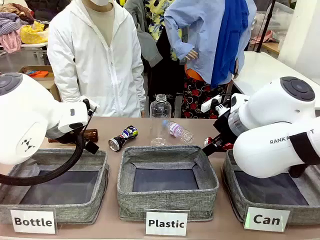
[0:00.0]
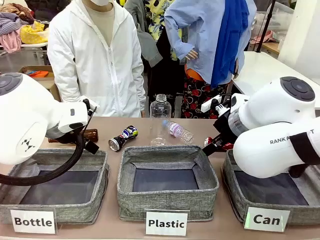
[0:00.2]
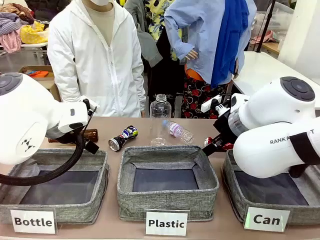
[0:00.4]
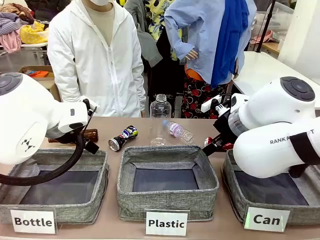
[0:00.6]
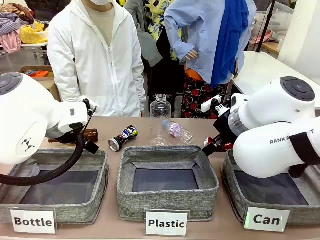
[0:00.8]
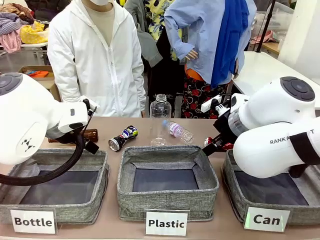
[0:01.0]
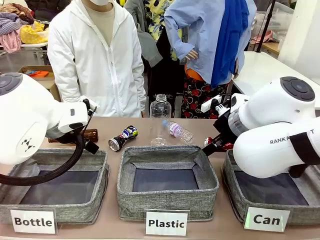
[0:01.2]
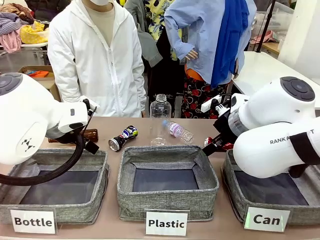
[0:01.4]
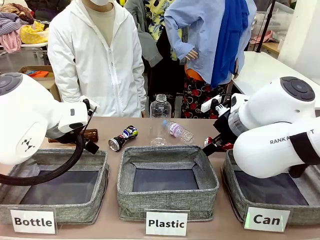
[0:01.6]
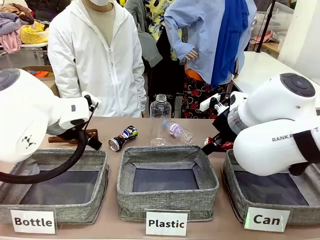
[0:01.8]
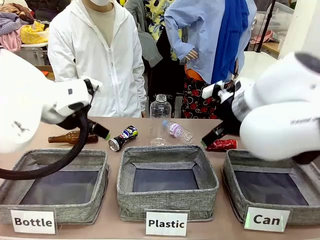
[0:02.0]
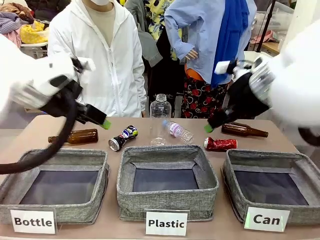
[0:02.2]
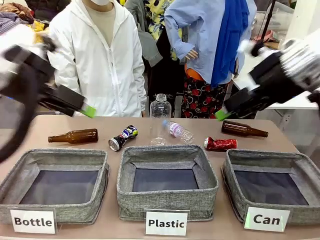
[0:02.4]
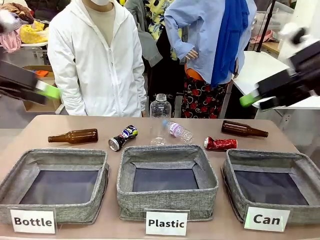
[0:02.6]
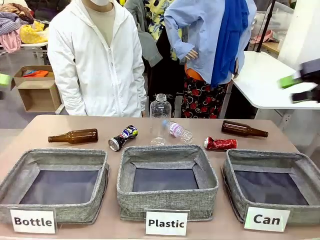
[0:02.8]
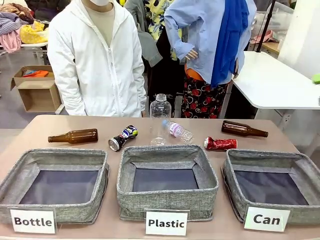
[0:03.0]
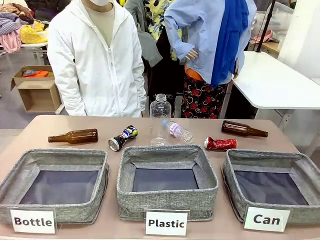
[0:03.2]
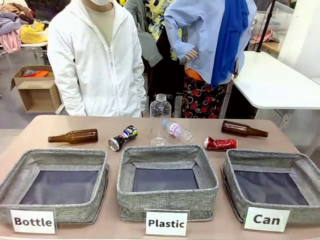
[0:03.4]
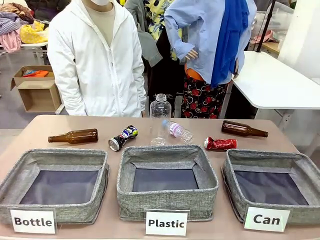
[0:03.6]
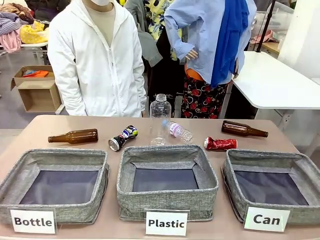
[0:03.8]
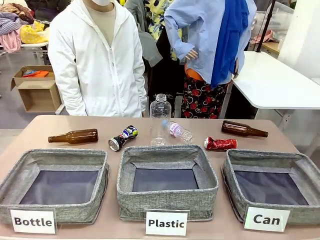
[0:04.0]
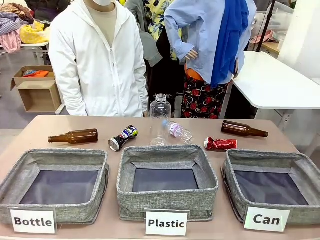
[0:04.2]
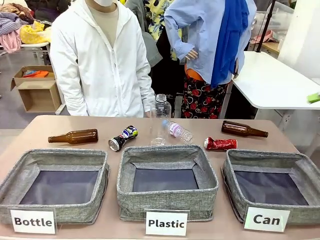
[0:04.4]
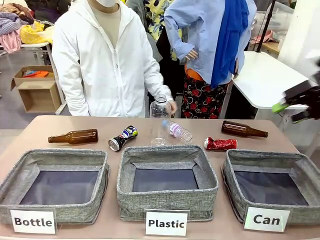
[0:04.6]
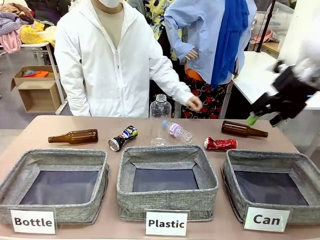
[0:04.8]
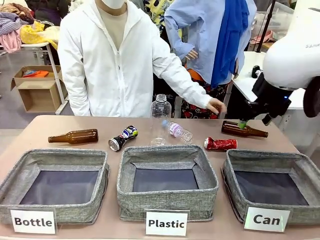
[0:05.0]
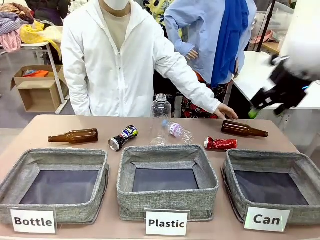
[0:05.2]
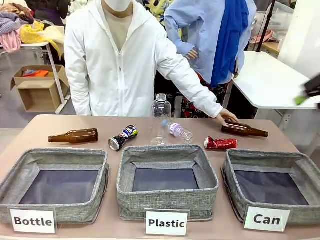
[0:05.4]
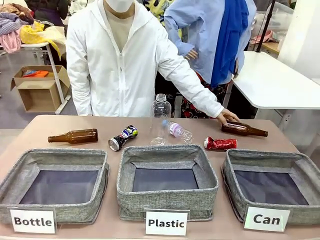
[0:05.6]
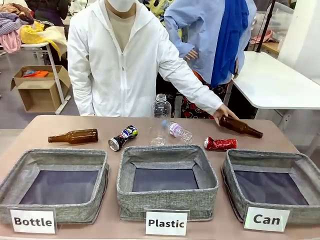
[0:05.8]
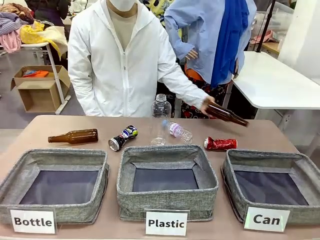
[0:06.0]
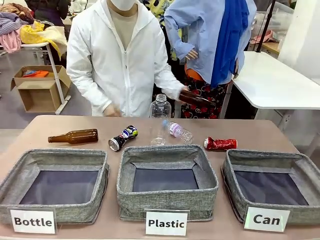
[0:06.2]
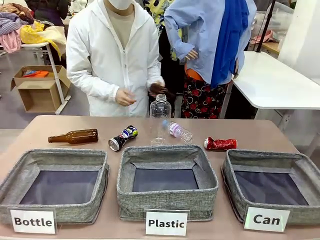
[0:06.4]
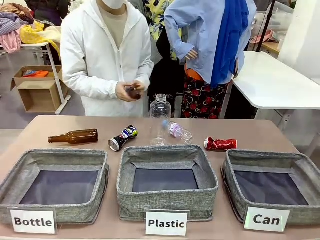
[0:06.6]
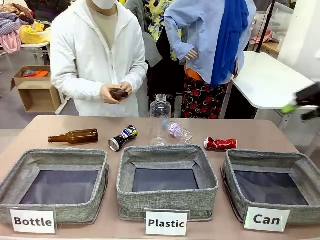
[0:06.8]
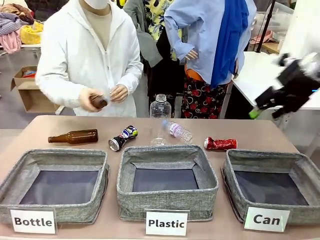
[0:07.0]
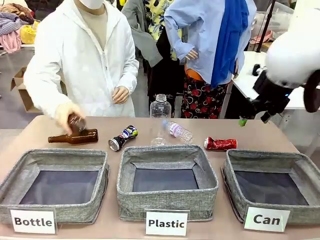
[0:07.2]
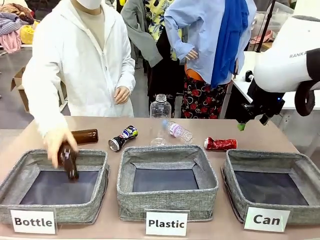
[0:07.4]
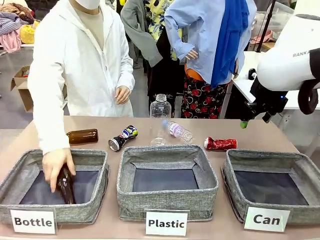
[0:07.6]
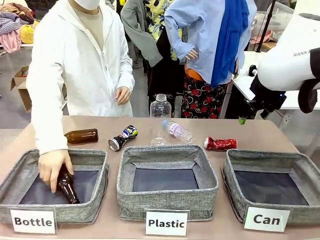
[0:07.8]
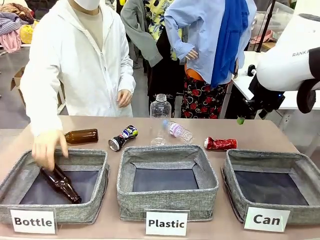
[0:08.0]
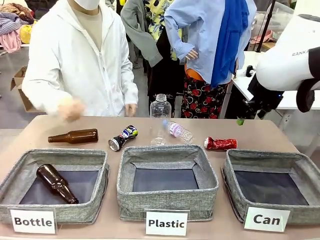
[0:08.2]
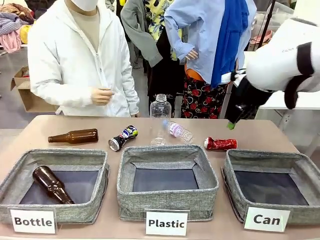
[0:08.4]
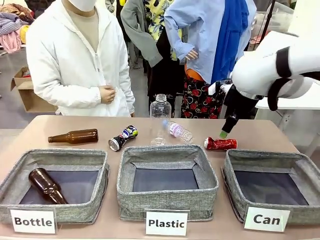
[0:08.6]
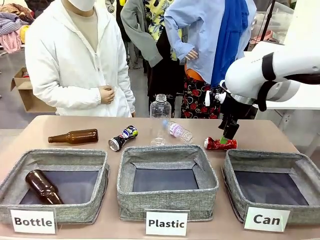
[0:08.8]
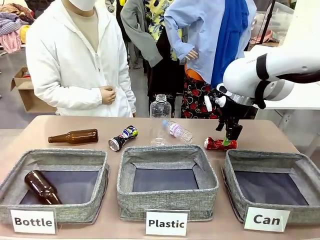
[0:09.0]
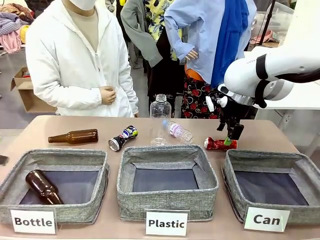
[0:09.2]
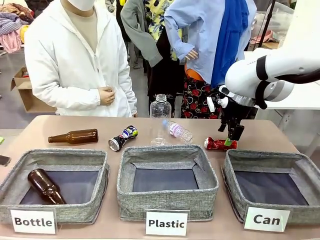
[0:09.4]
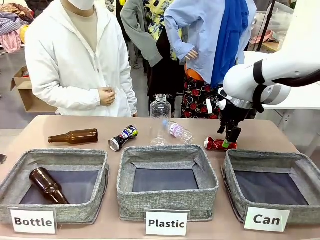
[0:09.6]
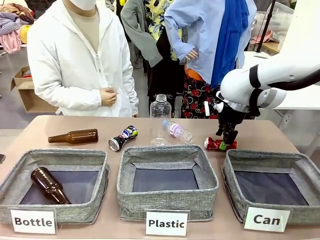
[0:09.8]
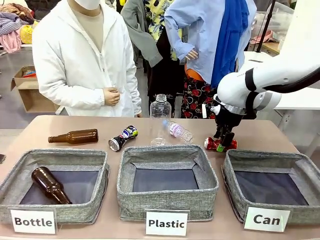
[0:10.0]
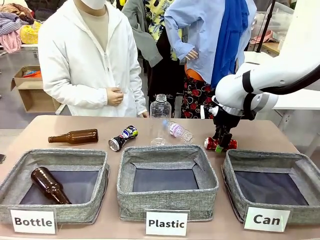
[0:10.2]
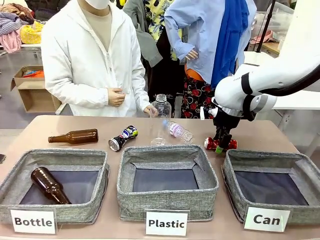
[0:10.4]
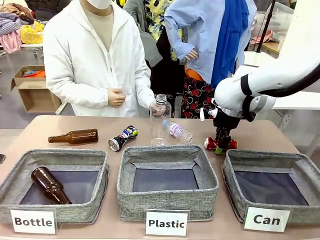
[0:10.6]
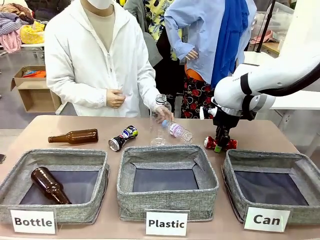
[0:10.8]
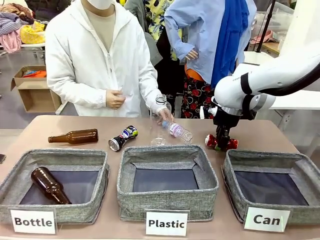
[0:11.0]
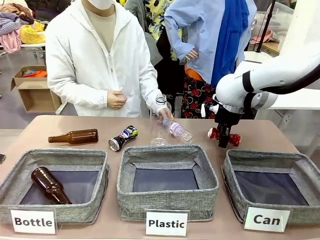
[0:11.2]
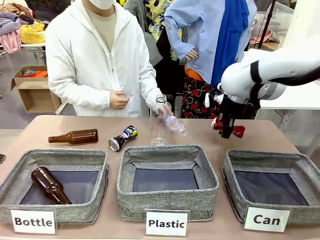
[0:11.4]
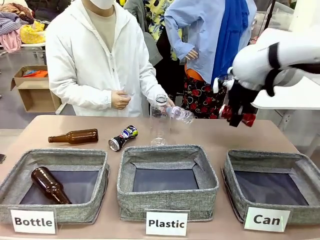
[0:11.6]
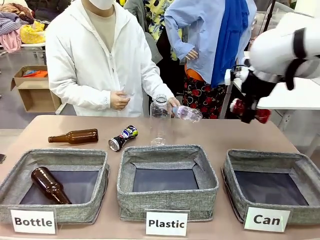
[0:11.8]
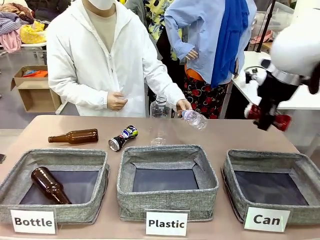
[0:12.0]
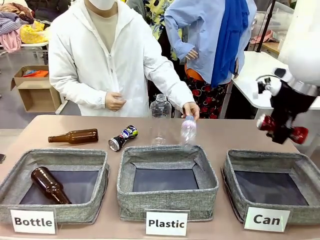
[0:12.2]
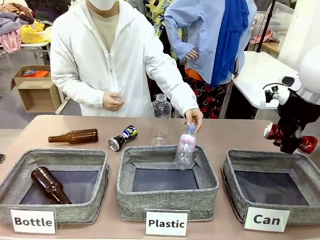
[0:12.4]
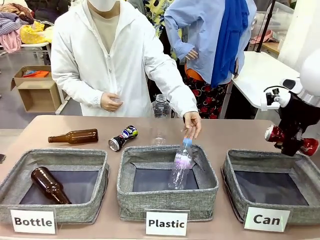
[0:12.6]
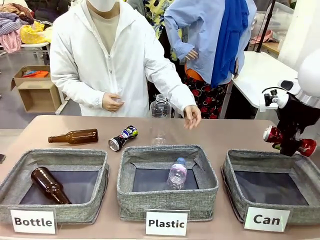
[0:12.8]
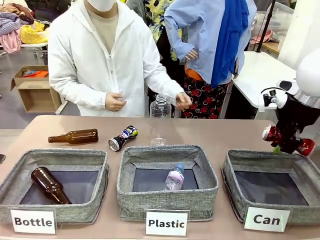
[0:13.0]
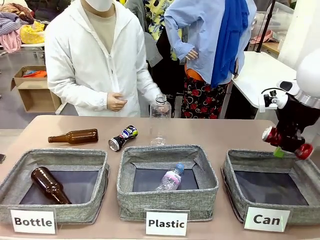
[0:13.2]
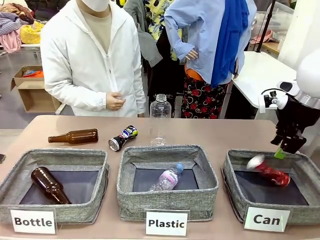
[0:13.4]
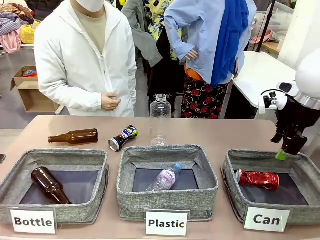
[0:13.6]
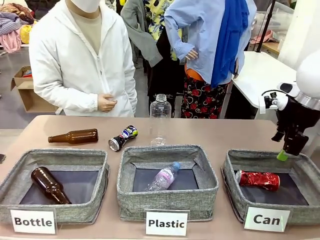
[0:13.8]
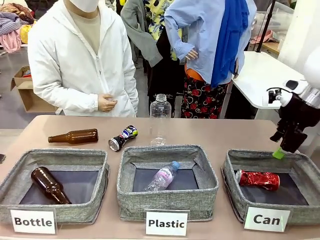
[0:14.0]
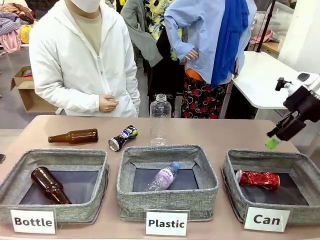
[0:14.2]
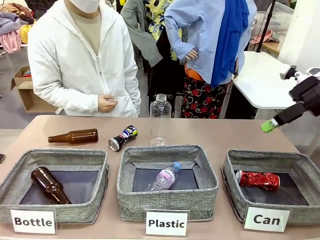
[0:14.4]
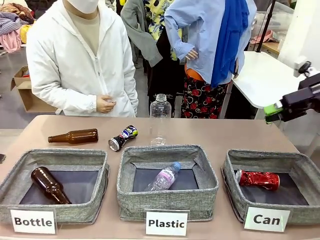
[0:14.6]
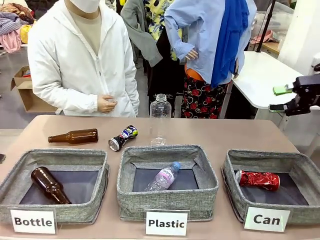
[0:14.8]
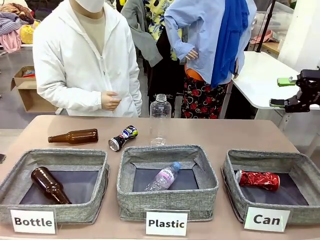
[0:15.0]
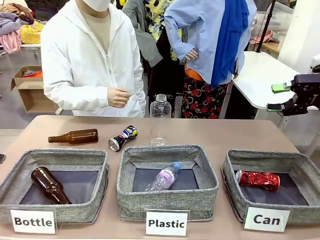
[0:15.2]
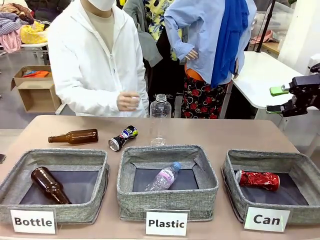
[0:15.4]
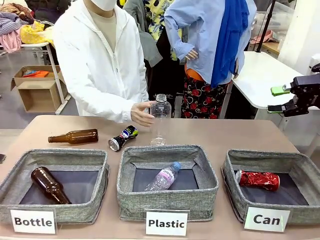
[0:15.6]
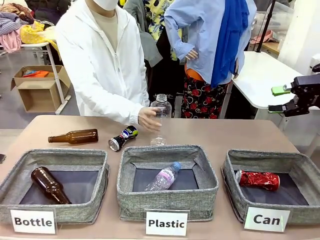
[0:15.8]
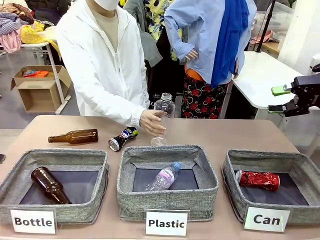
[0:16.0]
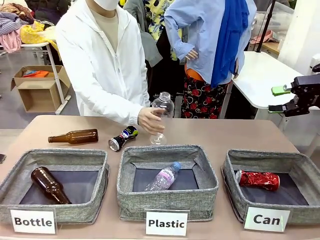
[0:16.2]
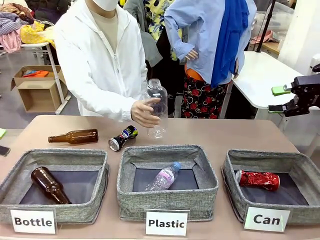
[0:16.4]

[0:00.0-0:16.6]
Task: Sort the can waste into the basket.
Robot: Pick up the can waste from the table and place it in the right Fabric basket.
